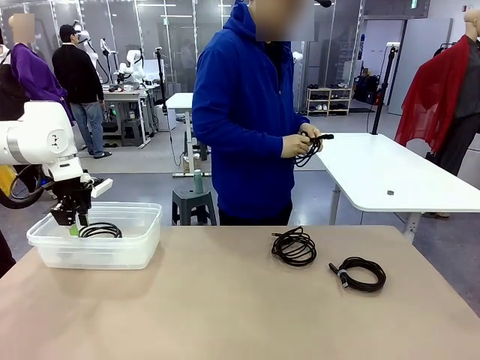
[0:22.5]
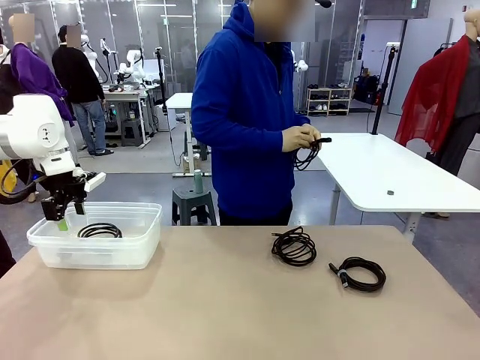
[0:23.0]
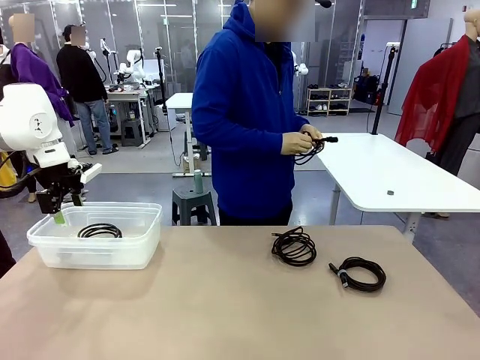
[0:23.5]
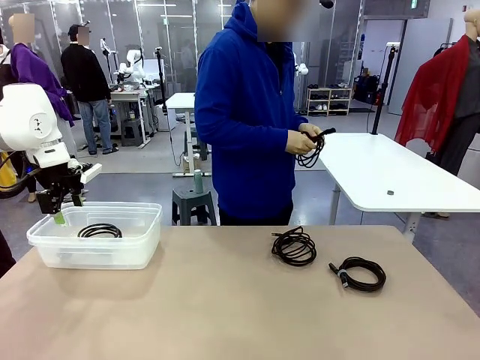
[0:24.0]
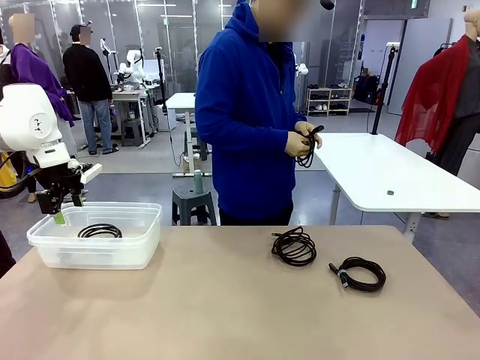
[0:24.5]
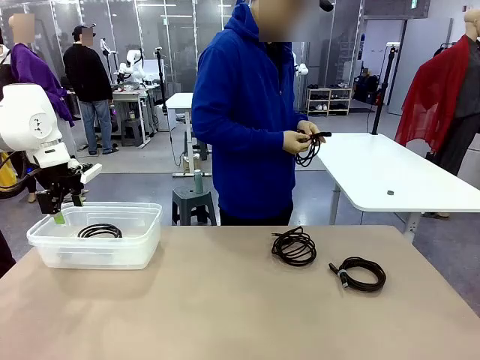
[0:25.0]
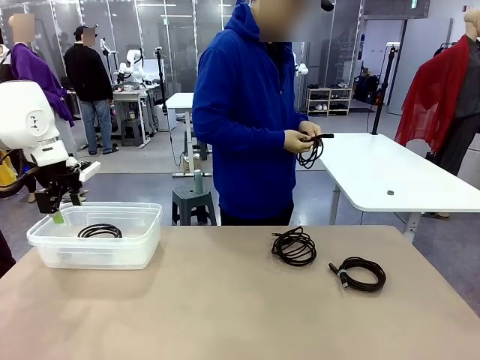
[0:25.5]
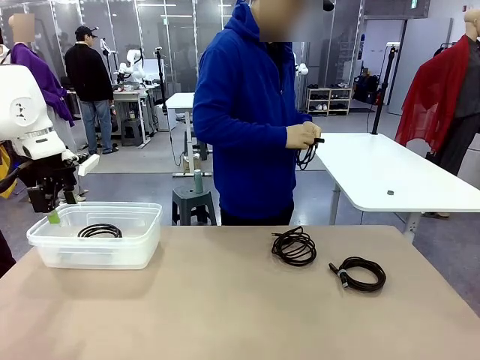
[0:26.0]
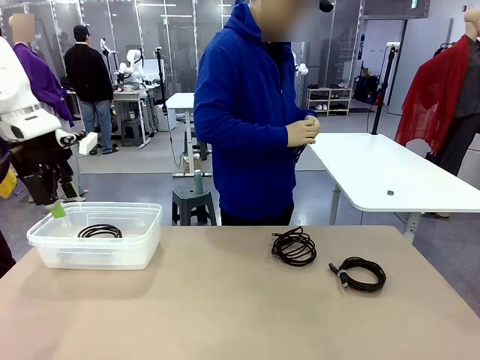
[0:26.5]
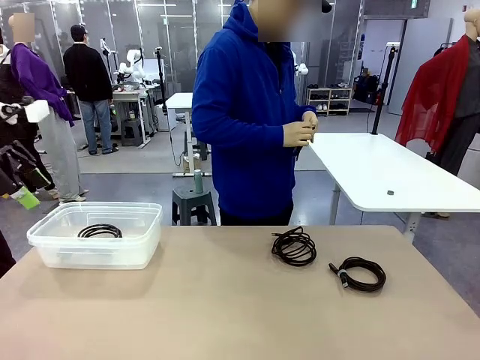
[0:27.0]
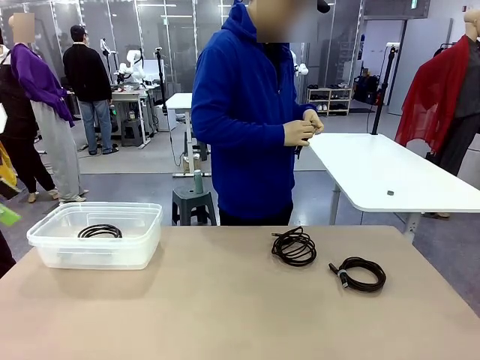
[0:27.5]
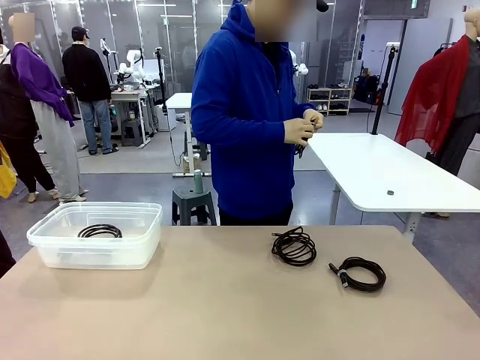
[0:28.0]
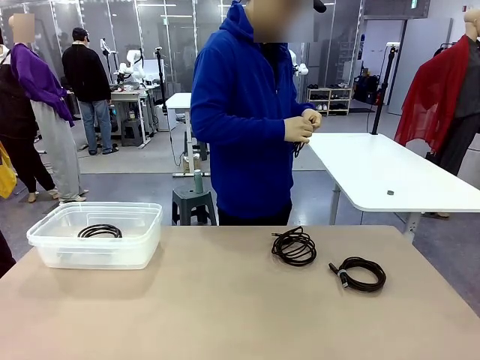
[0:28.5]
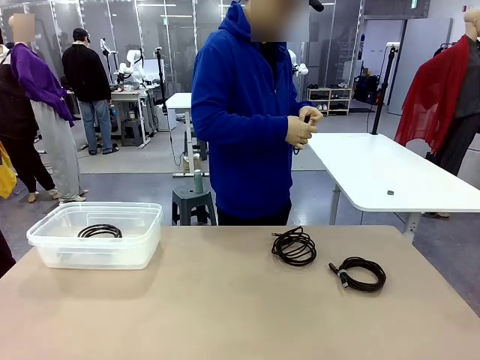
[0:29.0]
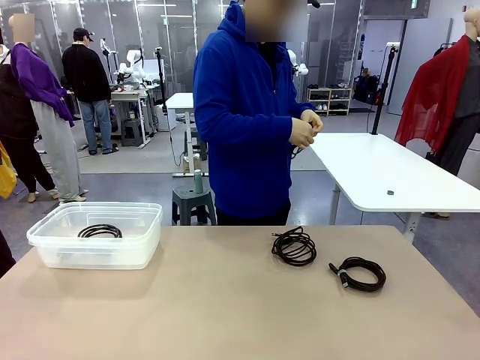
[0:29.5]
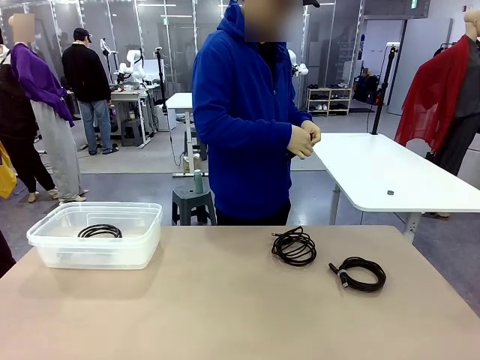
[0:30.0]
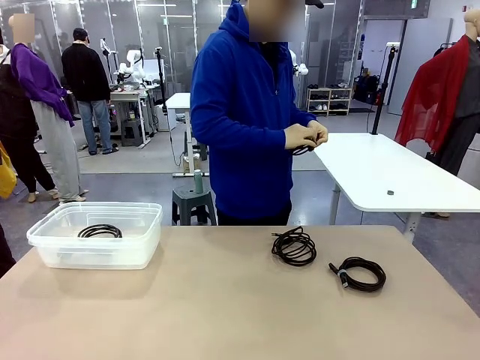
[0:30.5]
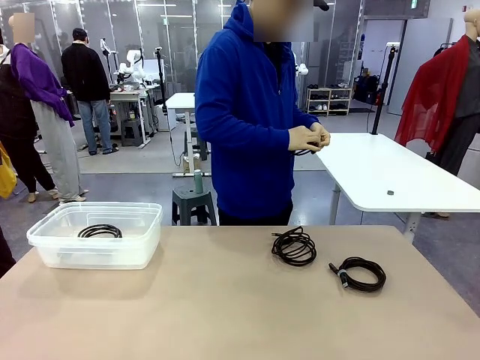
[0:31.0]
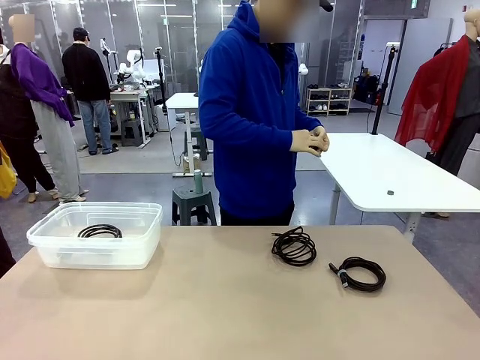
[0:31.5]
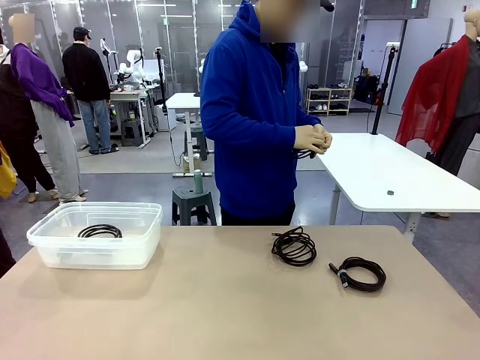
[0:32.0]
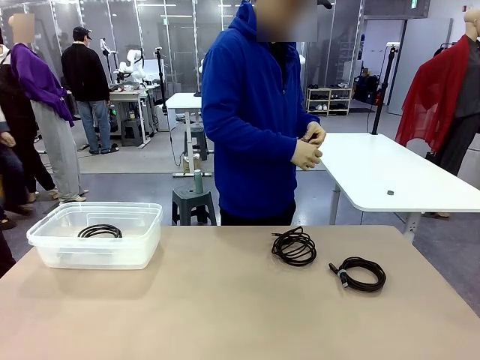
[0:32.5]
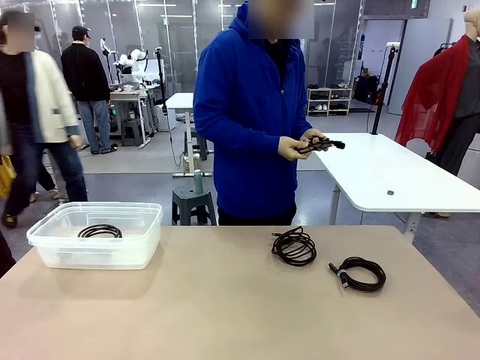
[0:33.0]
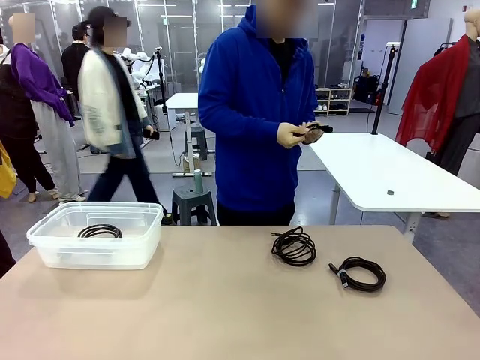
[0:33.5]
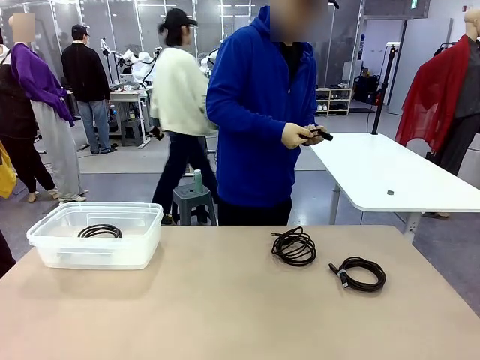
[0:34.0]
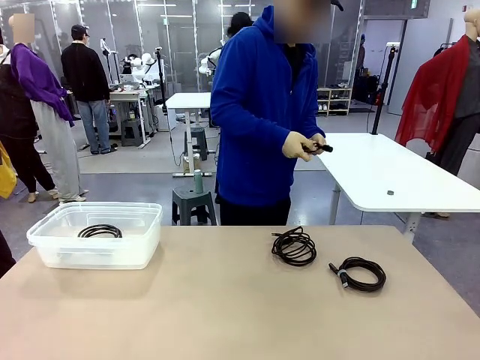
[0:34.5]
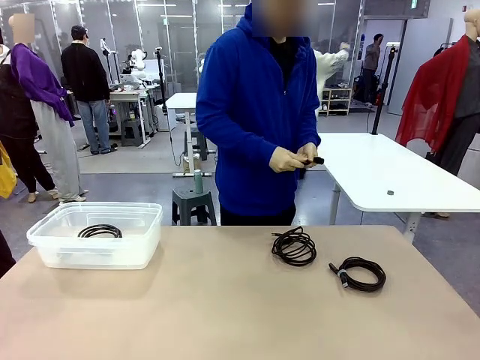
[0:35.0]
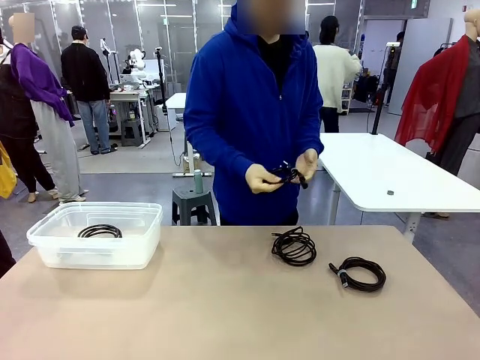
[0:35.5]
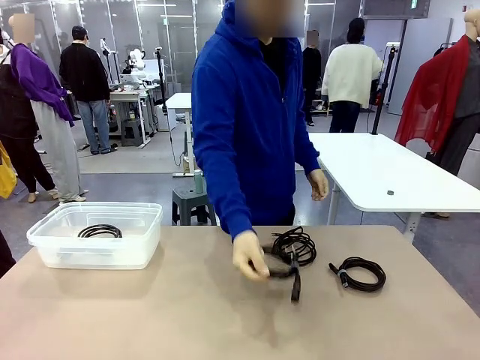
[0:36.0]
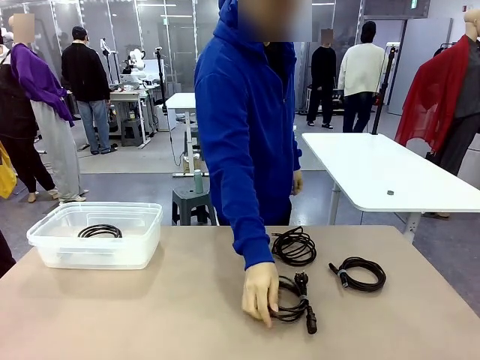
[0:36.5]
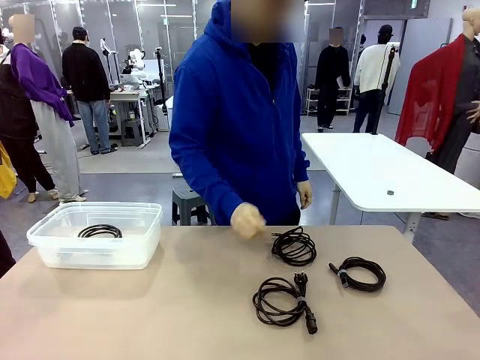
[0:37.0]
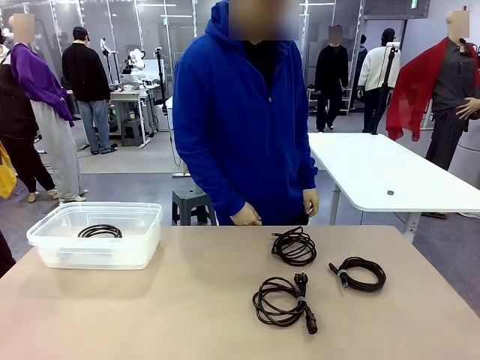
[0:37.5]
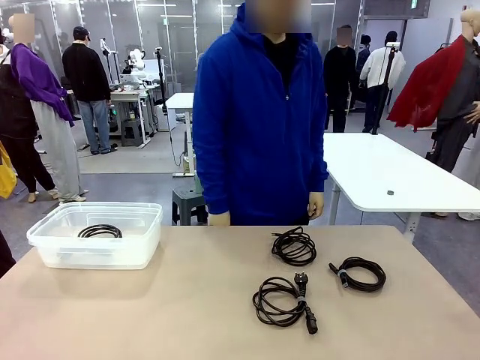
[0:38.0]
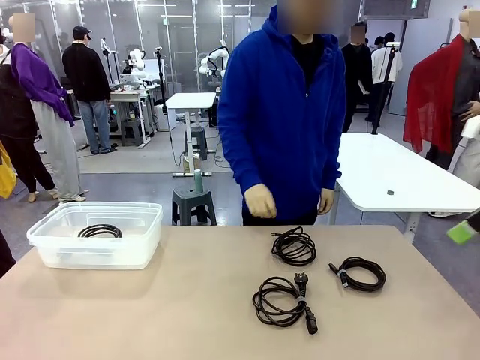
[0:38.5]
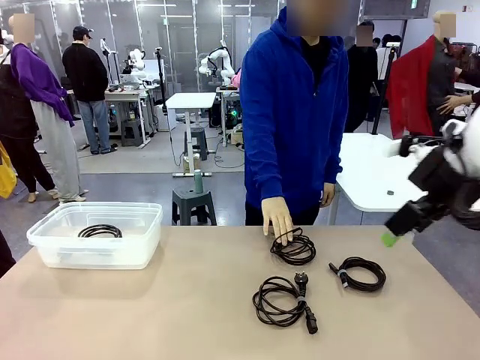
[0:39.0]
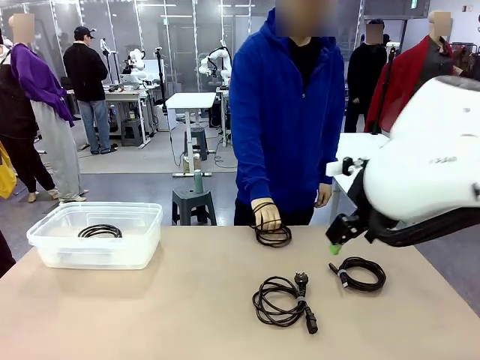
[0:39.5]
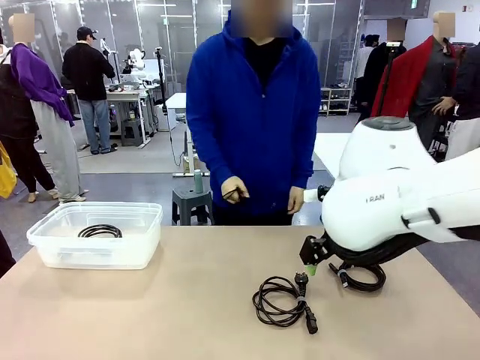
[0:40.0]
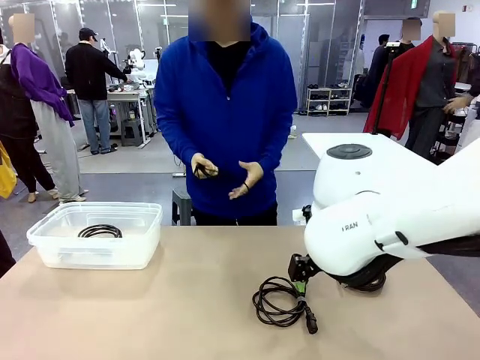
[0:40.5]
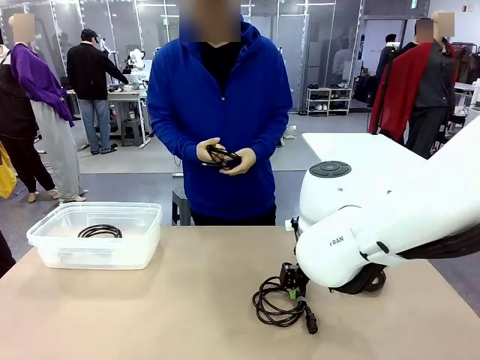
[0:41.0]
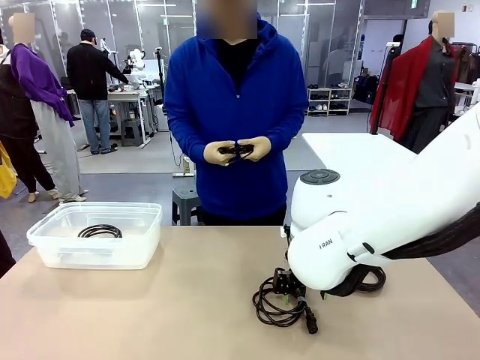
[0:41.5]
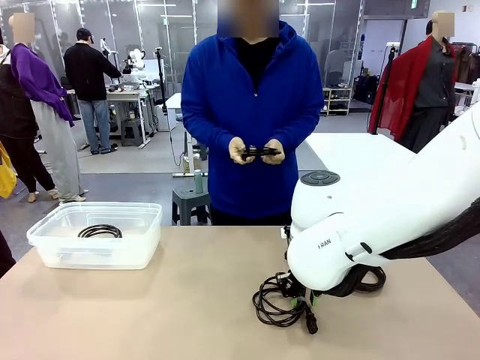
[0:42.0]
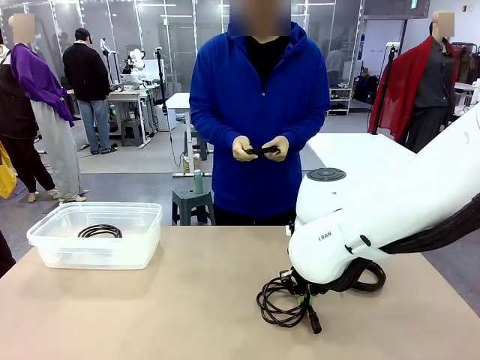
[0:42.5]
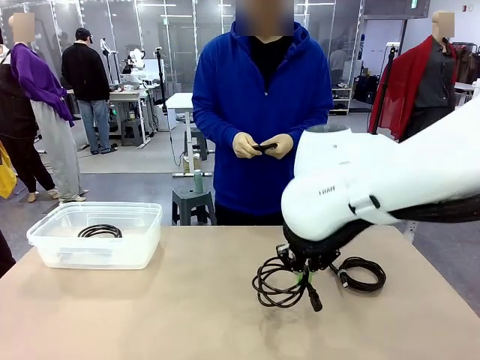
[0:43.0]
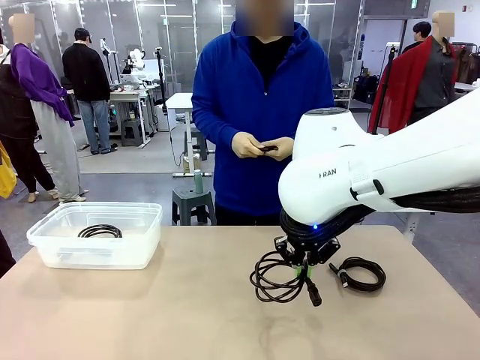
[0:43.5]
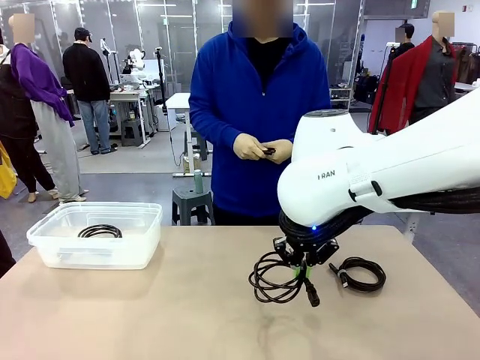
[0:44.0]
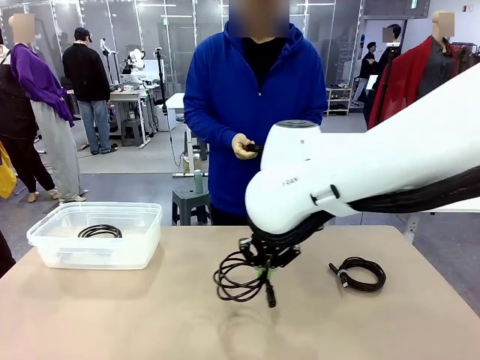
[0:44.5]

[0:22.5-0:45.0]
Task: Organize and store the cables.
Robot: Place the Power Cable into the Organizing box.

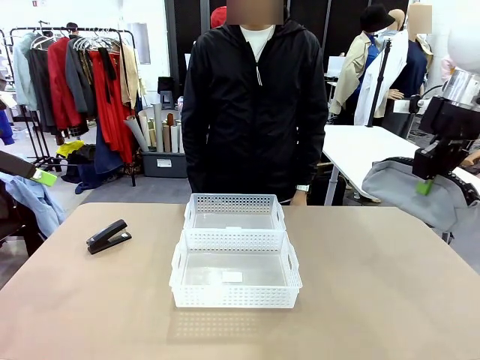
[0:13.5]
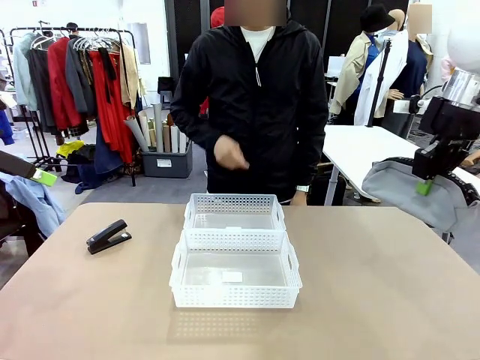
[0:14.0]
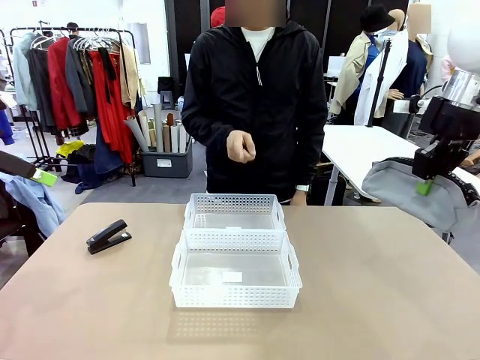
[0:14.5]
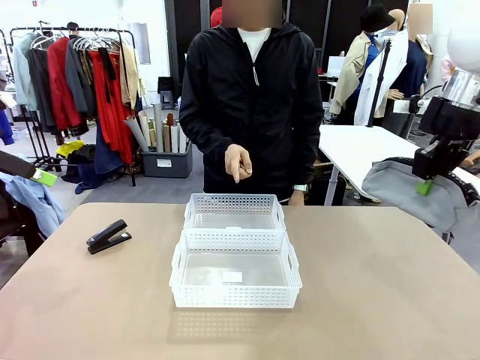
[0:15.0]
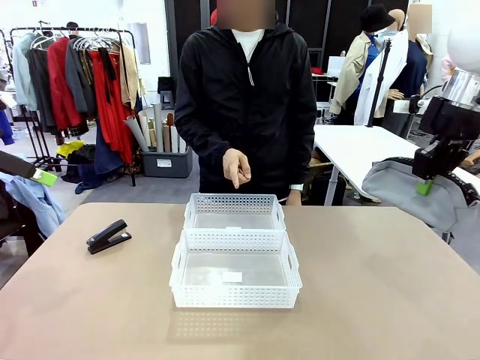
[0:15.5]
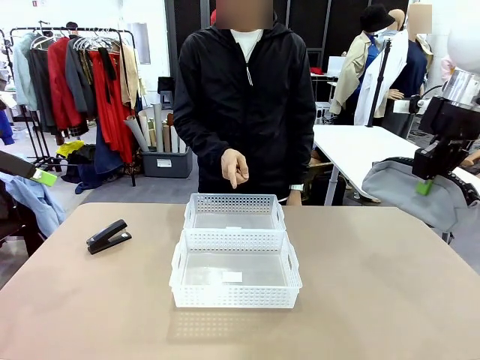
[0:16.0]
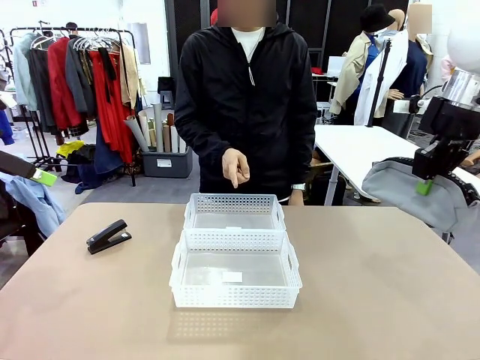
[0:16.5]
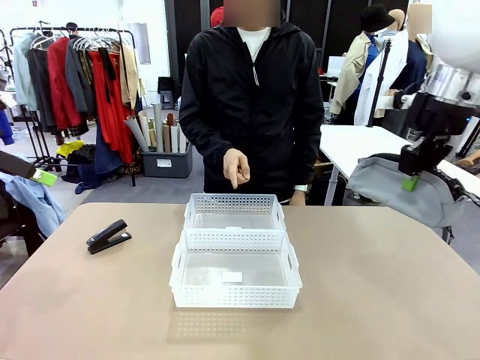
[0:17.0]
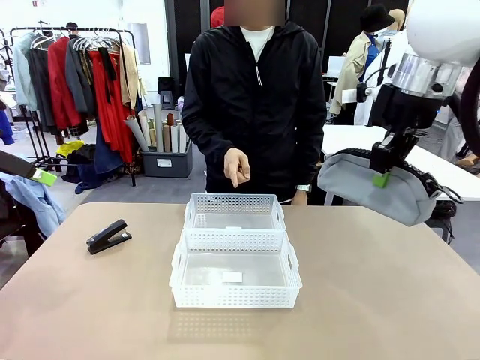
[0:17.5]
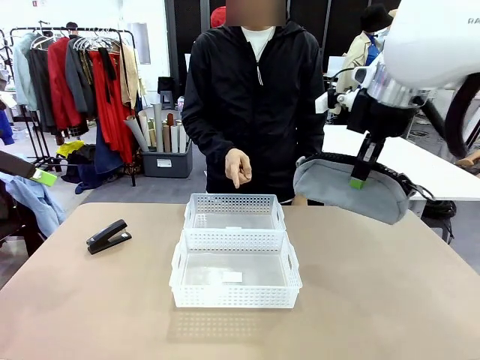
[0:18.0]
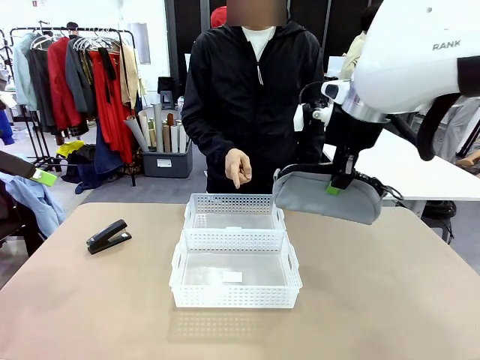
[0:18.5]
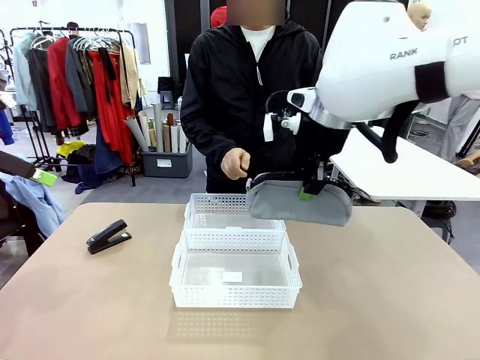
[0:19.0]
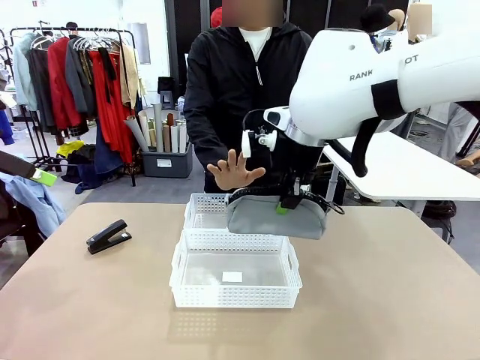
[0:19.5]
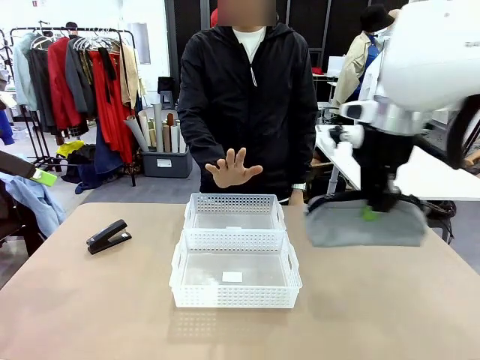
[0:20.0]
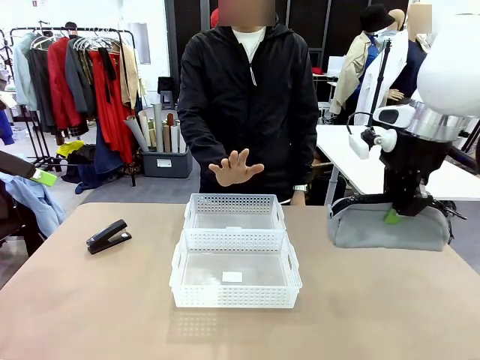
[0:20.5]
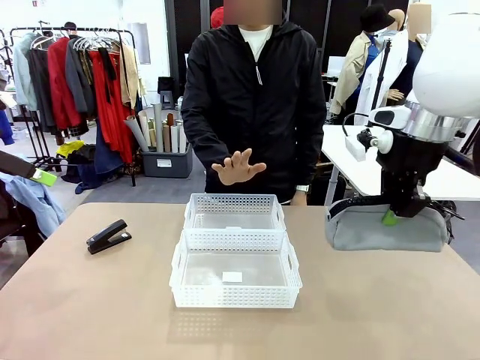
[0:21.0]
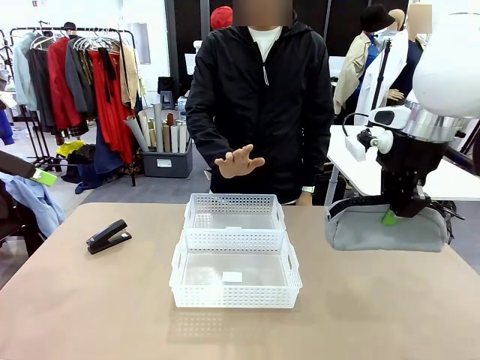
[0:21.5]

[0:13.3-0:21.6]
Task: Distribute items into two baskets.
Robot: Move the picked Pencil pouch towards the Organizing basket indicated by the person, stopping as directed.
Person: Sends a stop gesture before the robot places the pencil case into the basket.
